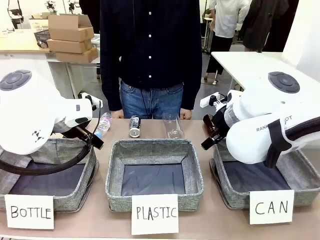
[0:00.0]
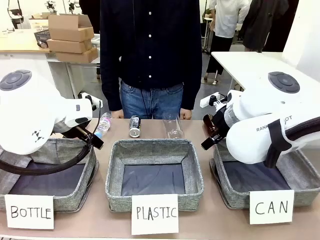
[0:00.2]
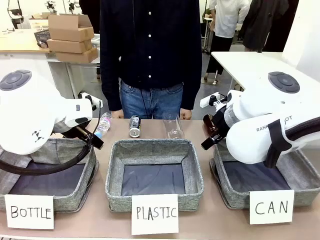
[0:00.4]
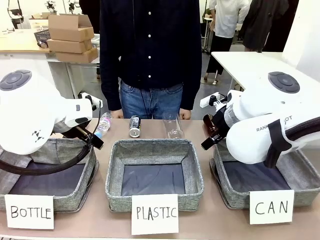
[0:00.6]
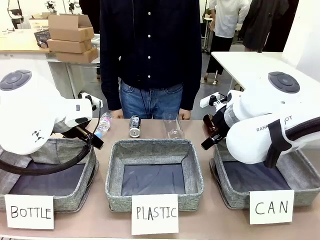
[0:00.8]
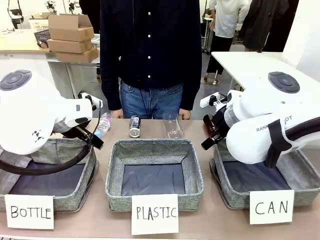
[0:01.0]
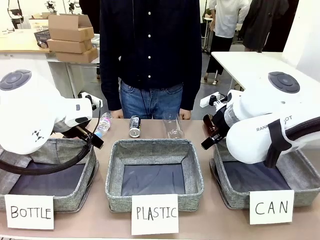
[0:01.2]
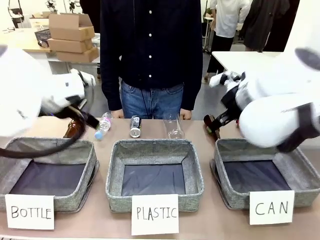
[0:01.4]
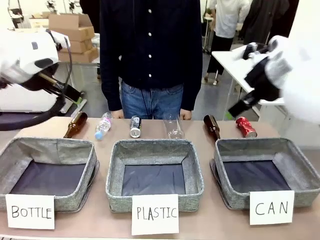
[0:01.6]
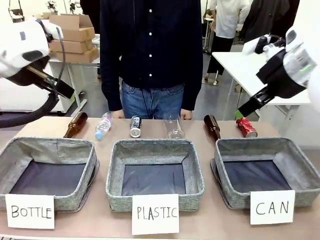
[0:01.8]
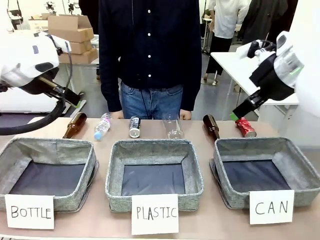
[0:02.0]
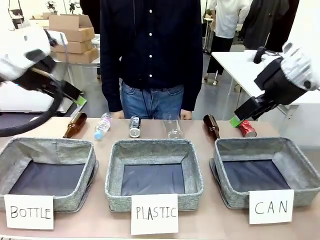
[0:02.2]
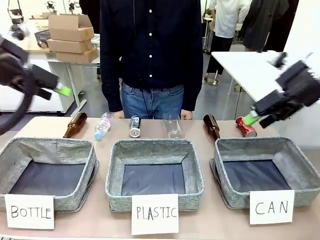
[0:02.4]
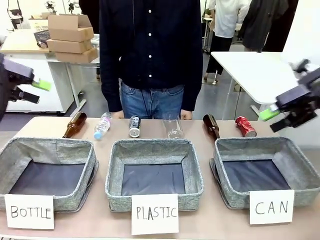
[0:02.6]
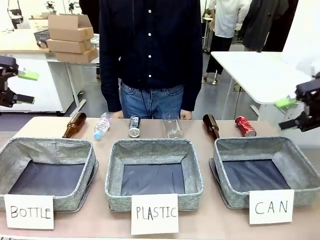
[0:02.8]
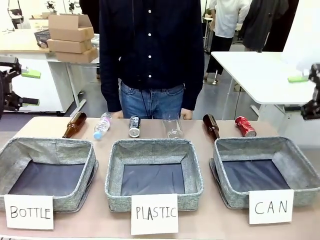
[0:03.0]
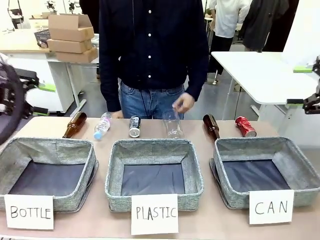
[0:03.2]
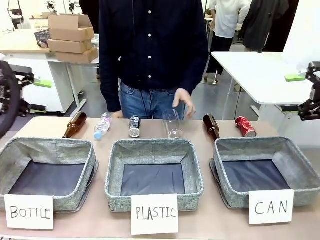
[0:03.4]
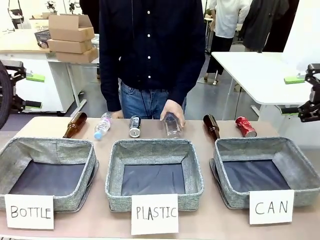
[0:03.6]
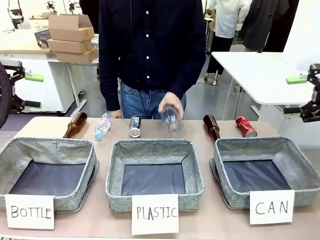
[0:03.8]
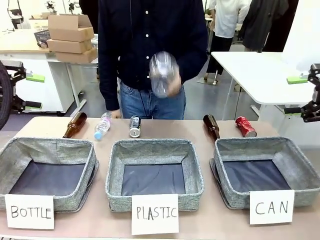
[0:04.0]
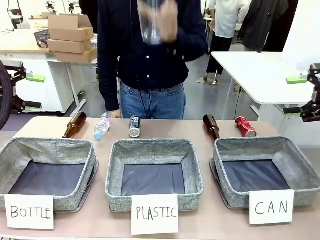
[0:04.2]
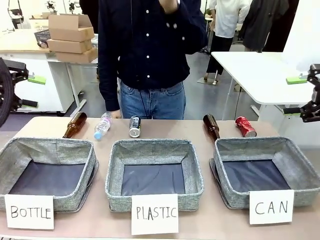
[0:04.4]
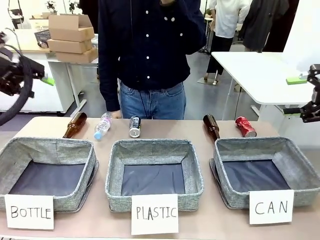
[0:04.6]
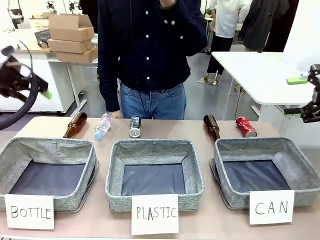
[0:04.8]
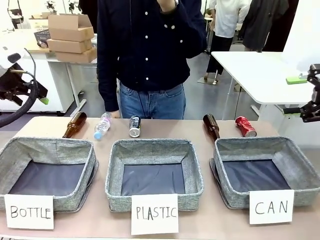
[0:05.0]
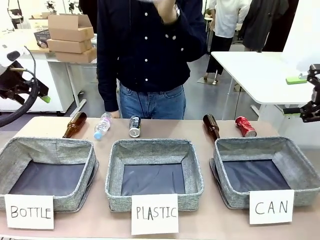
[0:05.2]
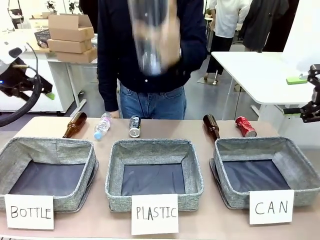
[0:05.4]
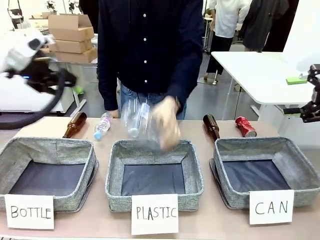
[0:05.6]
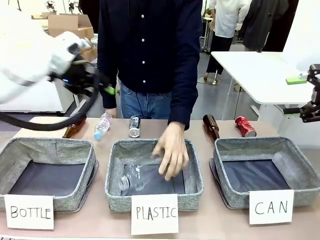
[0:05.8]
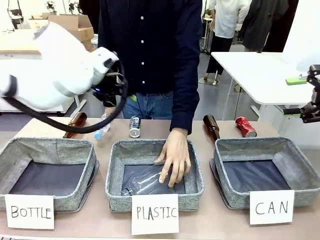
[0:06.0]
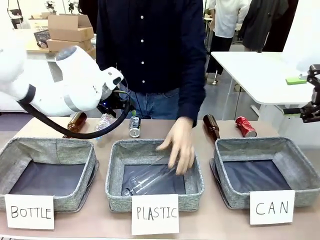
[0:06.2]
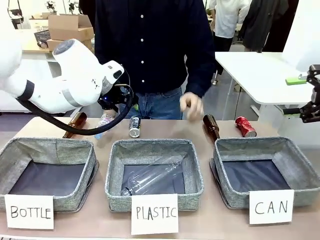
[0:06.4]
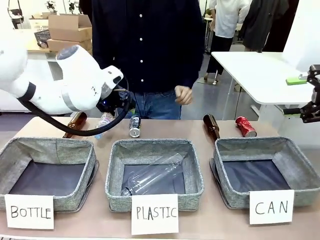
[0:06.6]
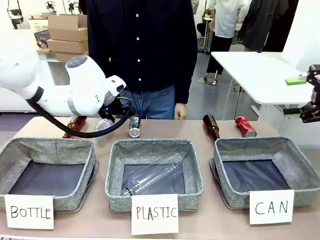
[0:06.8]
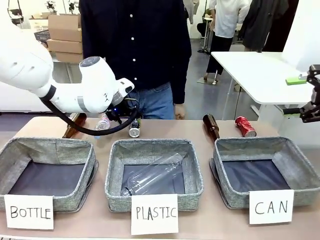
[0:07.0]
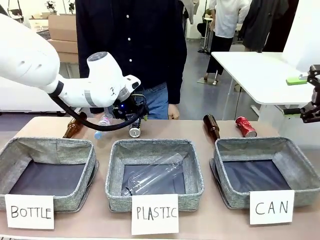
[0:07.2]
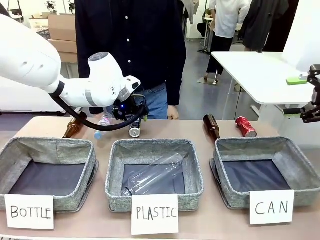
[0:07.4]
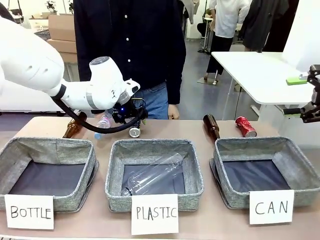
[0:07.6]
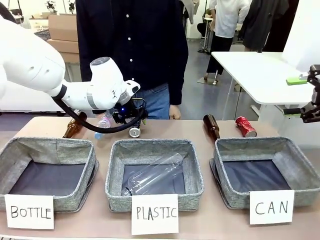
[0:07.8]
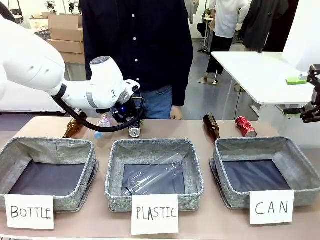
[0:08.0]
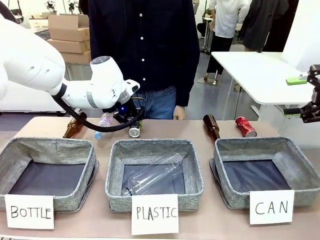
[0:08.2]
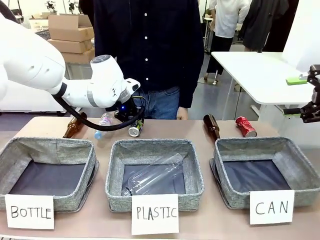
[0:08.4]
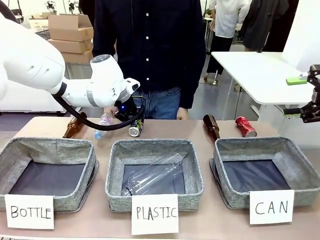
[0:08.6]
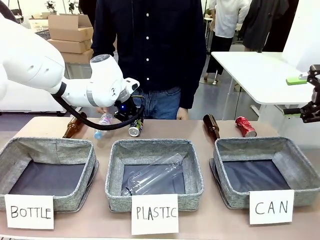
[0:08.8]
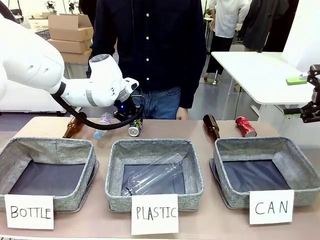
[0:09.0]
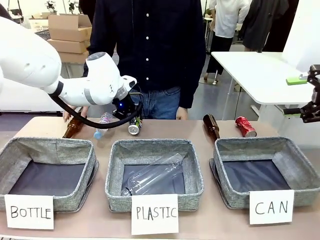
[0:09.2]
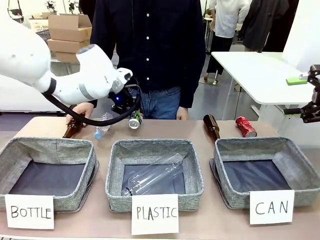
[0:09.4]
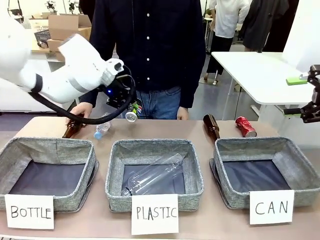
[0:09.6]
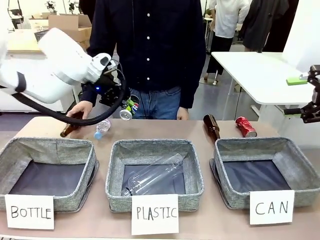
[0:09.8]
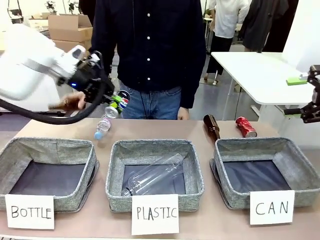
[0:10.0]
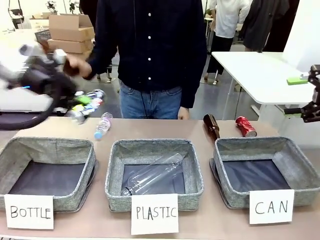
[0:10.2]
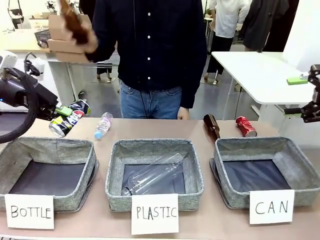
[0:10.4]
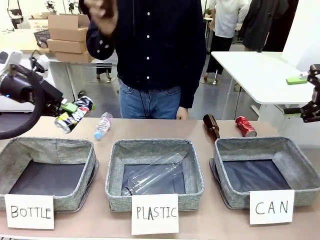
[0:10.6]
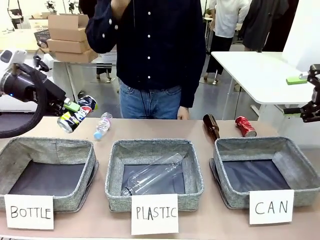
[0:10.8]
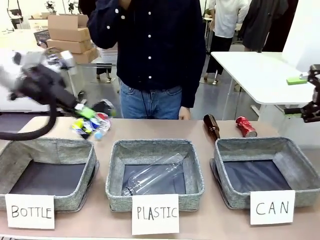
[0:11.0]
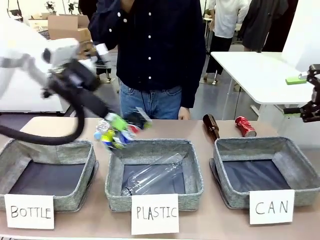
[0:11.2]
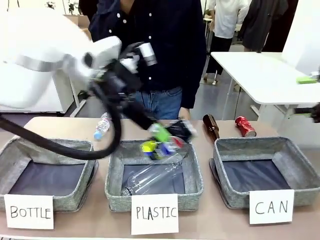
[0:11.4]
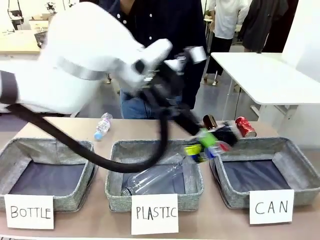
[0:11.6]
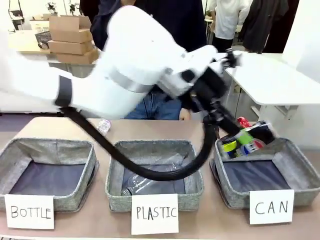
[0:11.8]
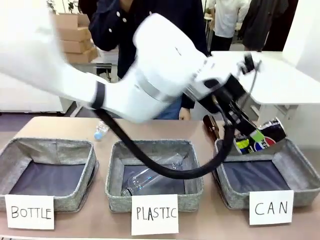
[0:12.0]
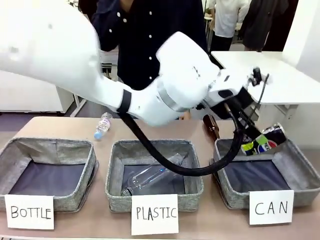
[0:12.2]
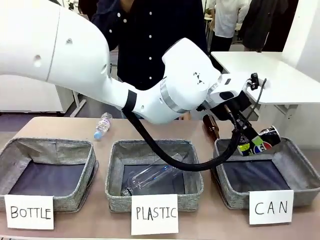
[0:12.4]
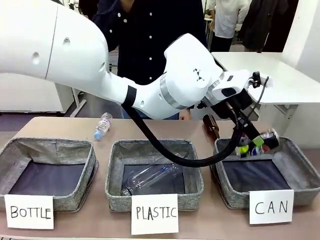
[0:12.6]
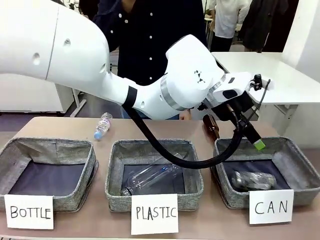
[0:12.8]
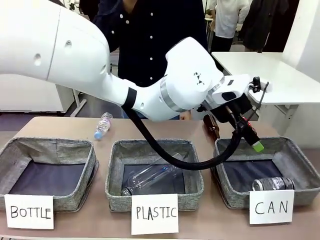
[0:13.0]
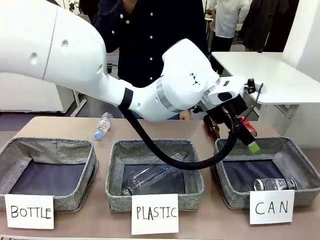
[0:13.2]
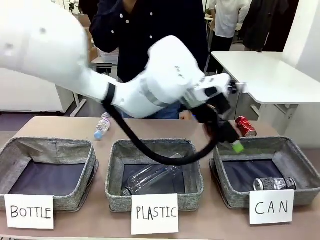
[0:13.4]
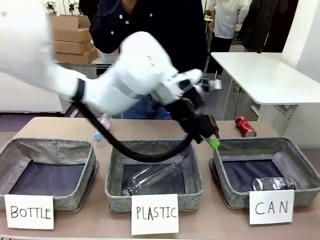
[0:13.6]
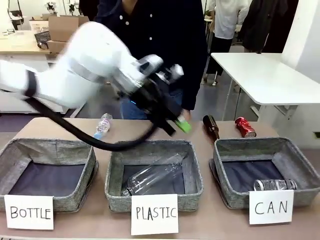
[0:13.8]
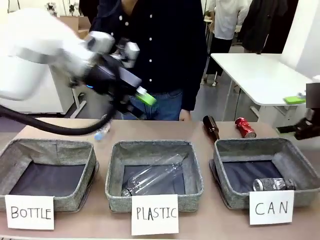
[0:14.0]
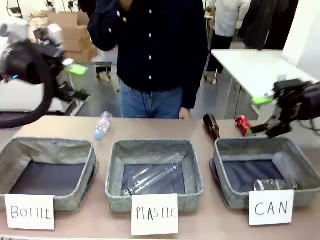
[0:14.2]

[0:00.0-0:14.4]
Task: Sort the can waste into the basket.
Robot: Pick up the can waste from the table and place it in the right Fabric basket.
